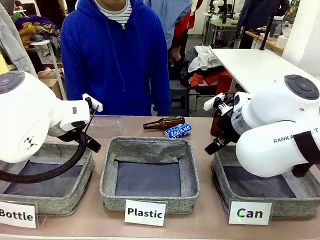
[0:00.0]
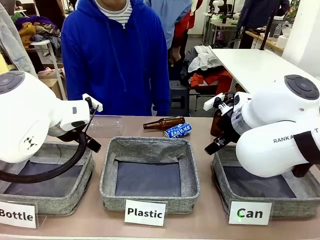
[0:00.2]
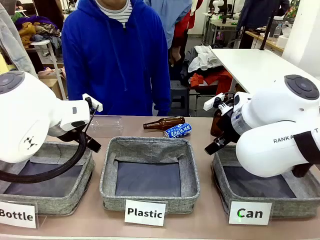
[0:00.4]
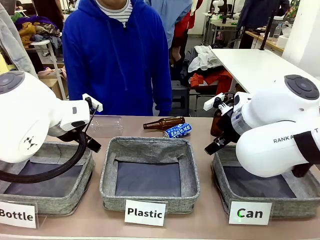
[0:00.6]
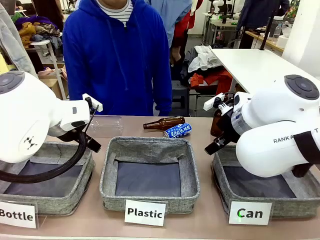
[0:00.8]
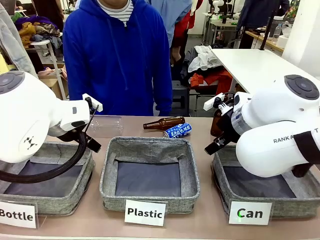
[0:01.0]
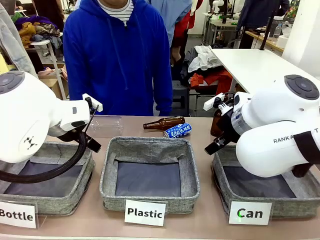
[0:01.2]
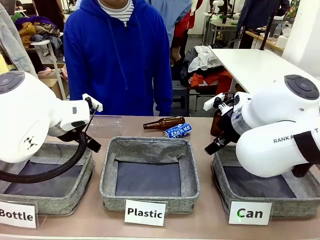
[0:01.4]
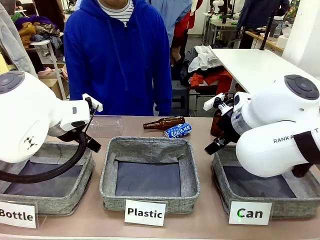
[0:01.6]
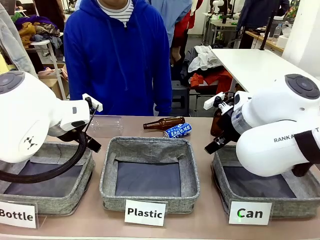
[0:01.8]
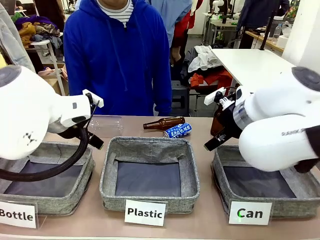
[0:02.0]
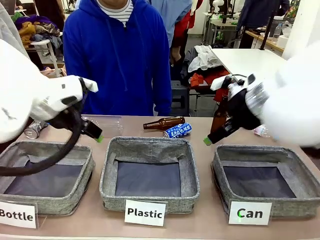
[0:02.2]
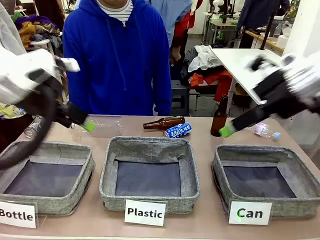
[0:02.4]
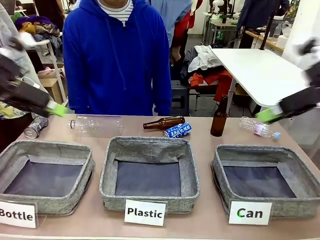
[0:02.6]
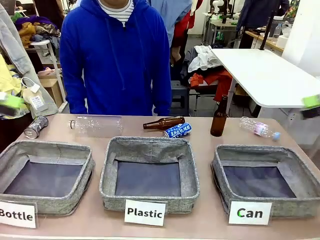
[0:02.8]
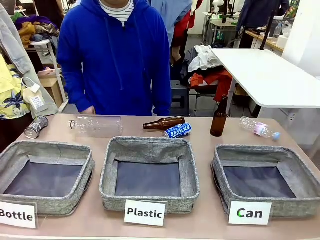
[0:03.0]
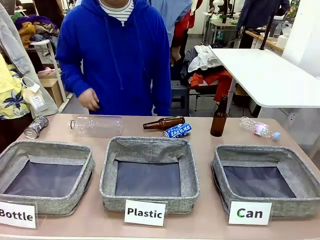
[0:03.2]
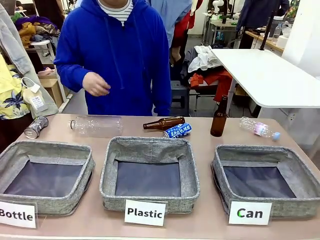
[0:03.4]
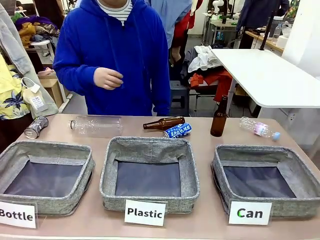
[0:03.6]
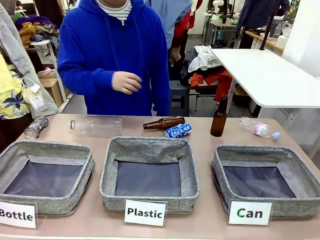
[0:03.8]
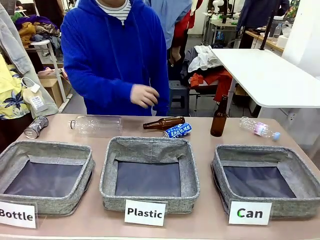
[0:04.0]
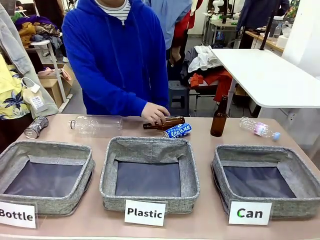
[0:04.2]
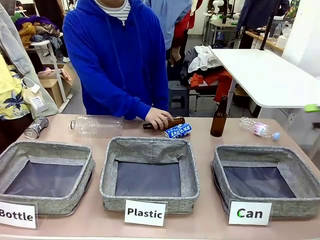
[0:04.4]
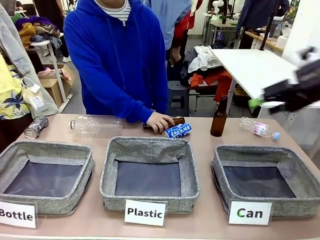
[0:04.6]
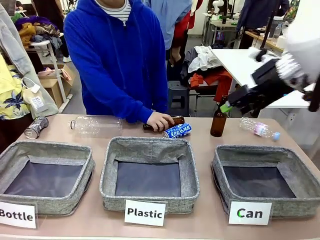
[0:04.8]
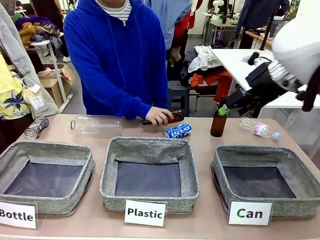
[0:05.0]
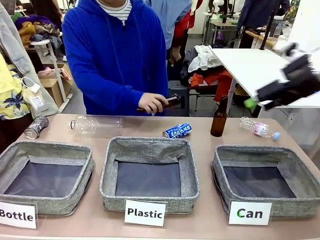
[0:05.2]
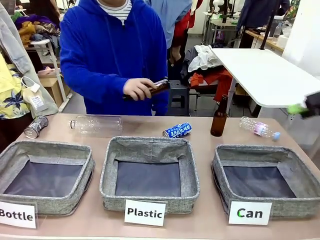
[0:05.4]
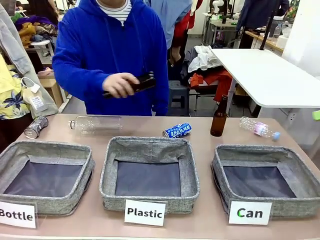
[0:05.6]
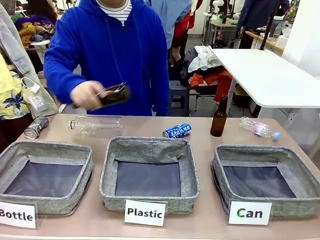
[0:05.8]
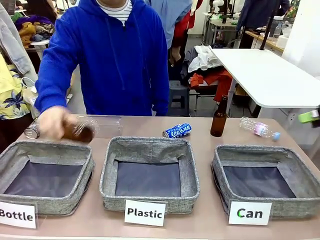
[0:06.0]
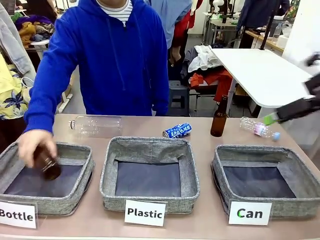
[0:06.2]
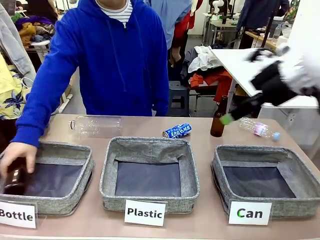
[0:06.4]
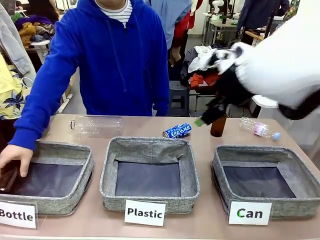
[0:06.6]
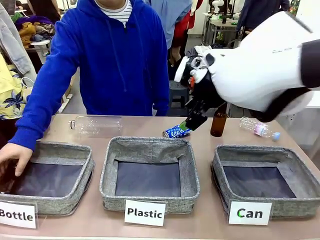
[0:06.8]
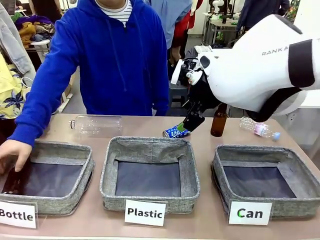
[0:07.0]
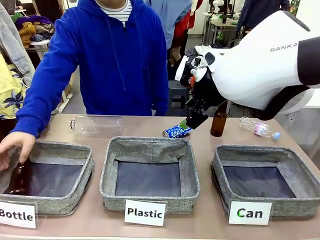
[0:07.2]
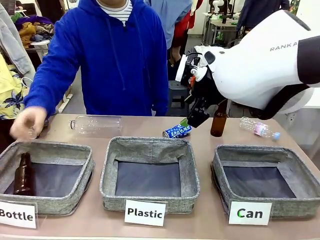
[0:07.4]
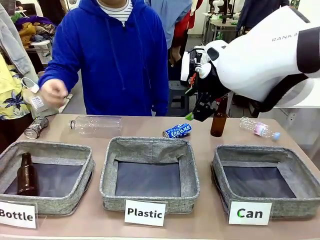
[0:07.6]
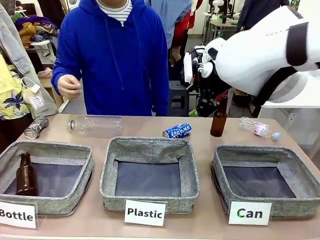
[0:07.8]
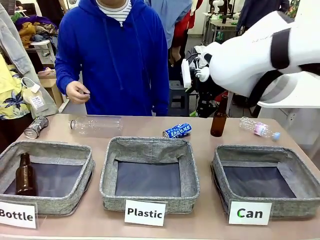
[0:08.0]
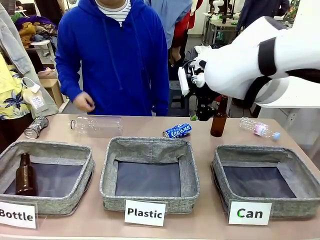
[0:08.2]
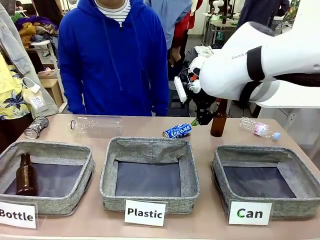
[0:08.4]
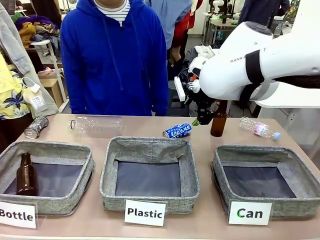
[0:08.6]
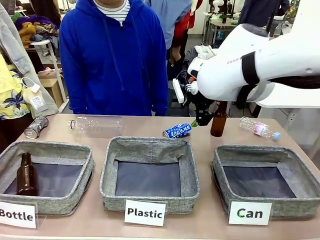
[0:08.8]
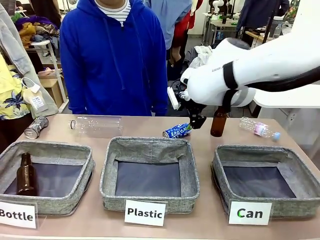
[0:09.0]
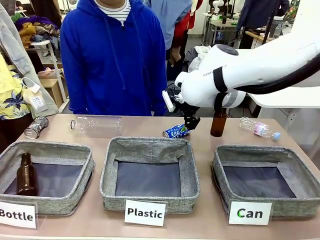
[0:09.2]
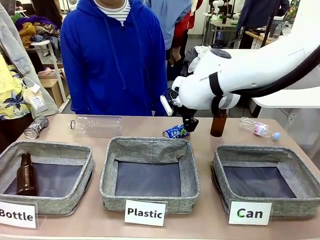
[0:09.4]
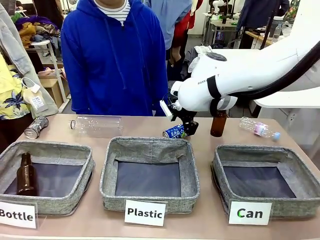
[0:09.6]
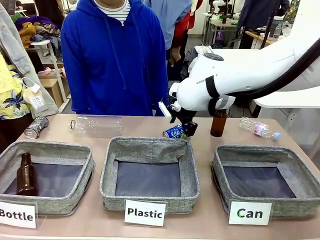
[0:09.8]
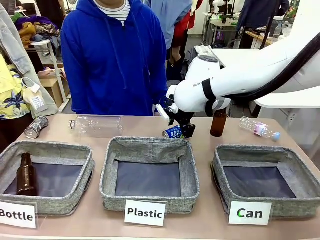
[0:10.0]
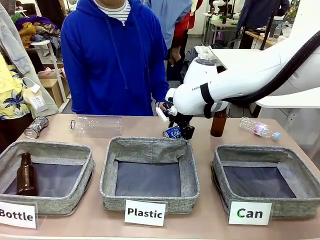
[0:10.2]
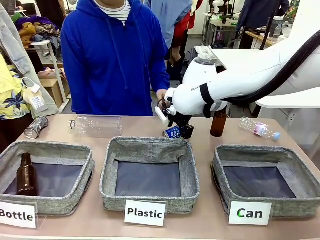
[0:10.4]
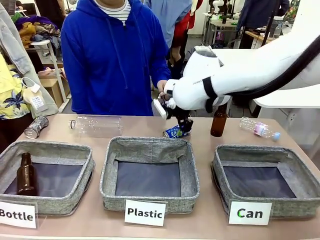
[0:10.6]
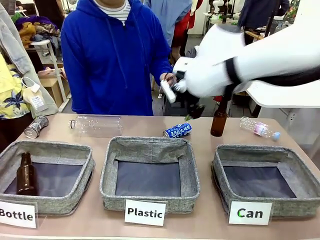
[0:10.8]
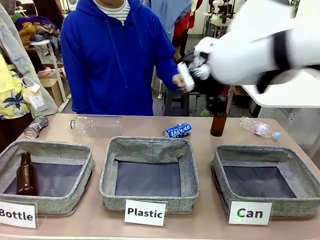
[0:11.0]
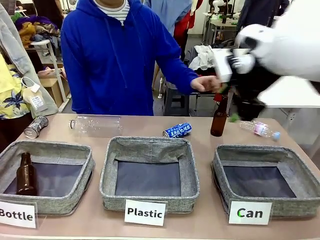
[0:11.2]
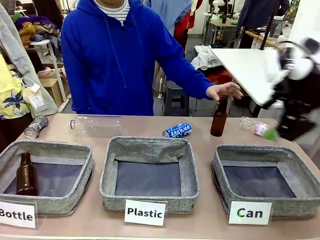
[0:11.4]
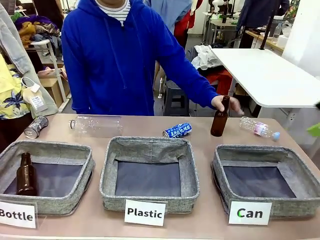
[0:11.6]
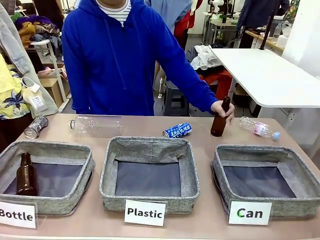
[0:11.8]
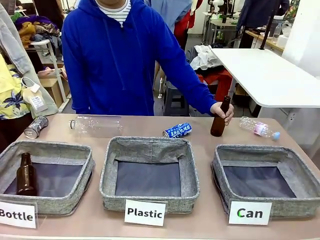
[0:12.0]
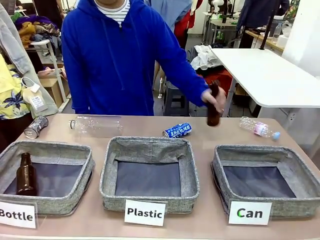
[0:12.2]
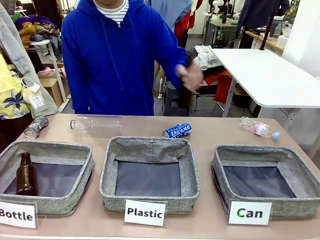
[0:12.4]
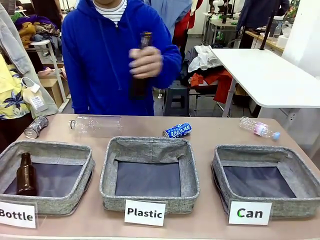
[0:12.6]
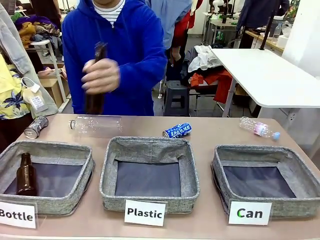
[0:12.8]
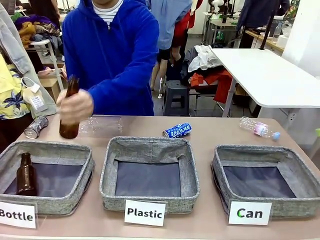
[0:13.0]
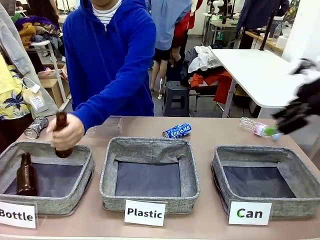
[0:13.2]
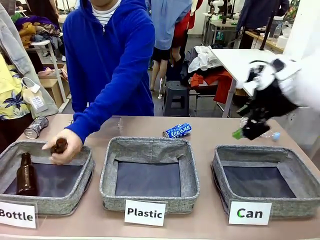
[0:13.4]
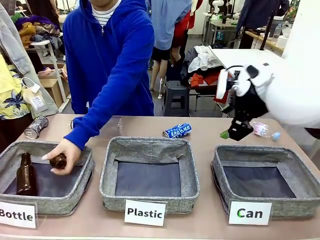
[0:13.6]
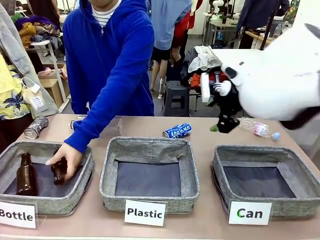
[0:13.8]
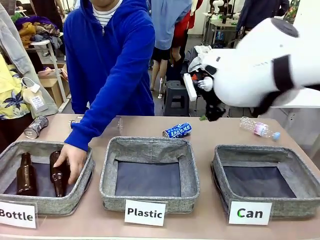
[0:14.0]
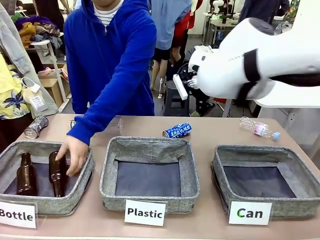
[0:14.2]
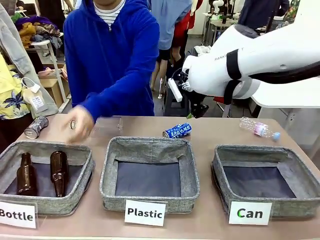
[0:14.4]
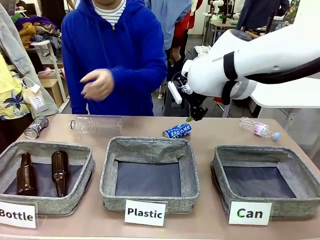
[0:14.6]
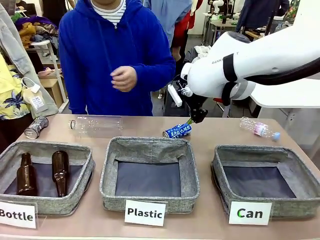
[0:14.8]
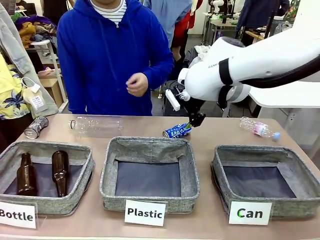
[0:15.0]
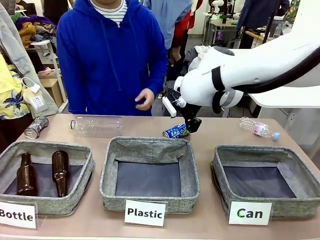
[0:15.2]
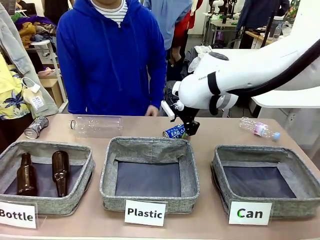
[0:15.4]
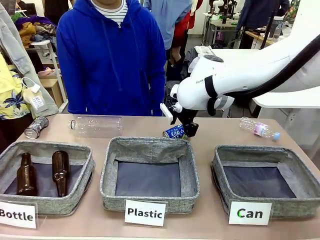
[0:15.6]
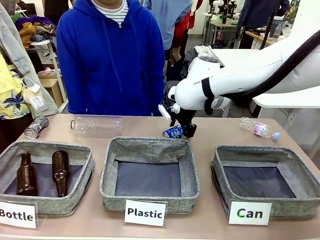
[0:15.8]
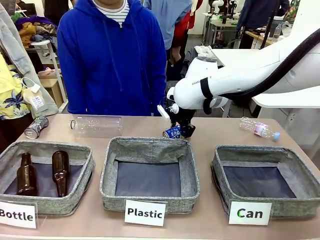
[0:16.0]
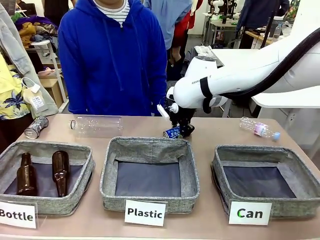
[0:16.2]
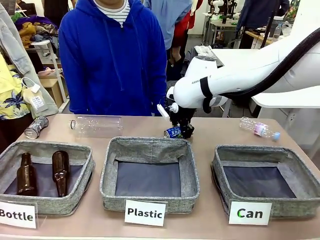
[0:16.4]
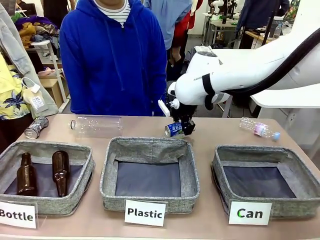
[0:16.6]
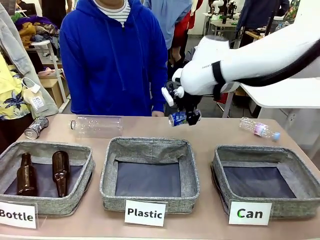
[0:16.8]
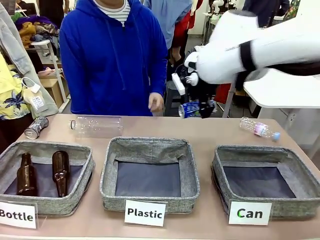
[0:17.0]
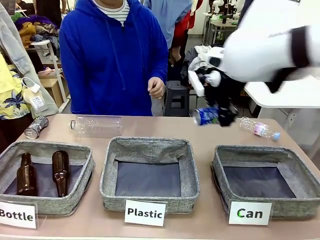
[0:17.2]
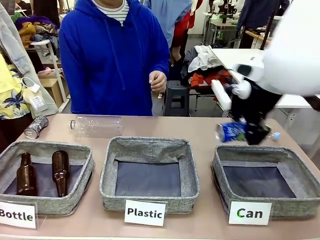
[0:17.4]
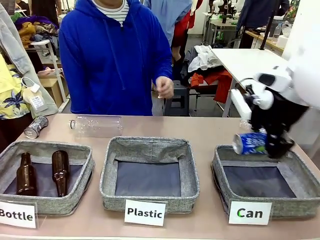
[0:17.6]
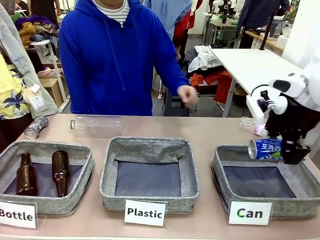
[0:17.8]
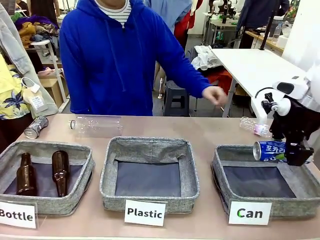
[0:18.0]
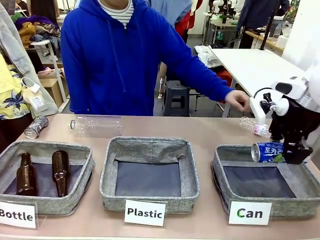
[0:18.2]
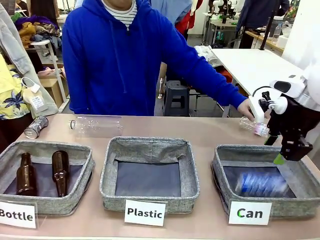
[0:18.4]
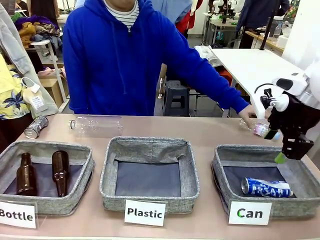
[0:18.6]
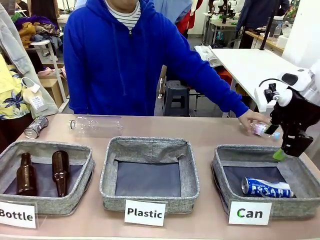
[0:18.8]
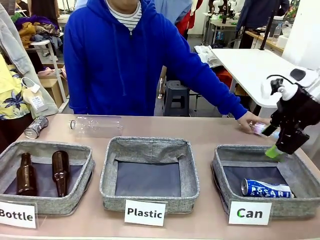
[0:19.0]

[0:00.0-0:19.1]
Task: Sort the can waste into the basket.
Robot: Pick up the can waste from the table and place it in the right Fabric basket.
